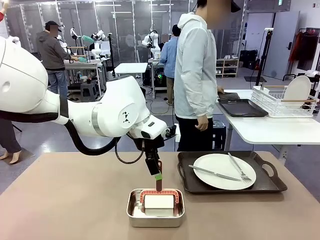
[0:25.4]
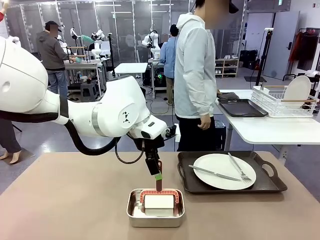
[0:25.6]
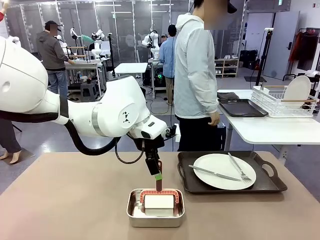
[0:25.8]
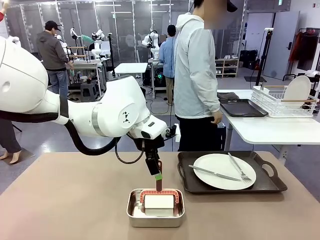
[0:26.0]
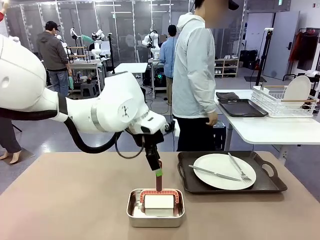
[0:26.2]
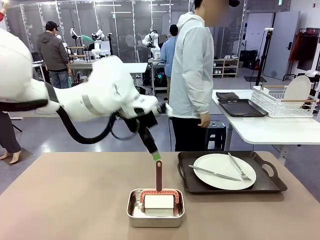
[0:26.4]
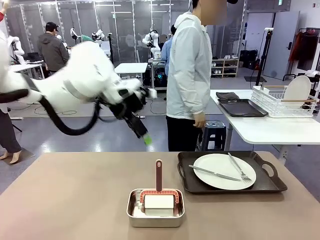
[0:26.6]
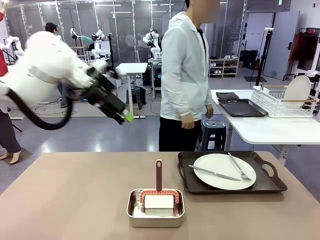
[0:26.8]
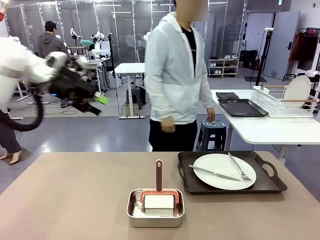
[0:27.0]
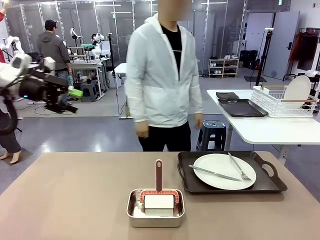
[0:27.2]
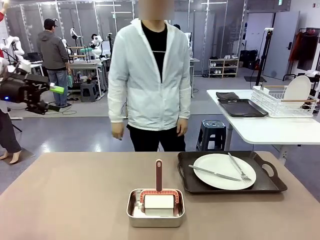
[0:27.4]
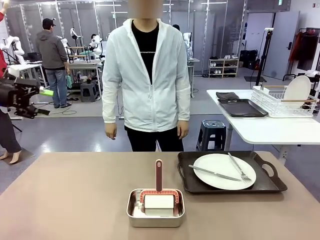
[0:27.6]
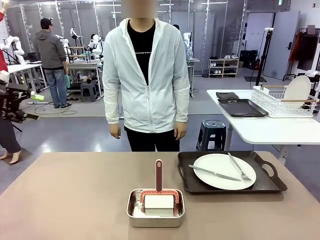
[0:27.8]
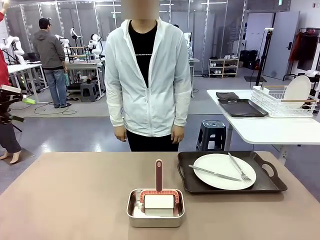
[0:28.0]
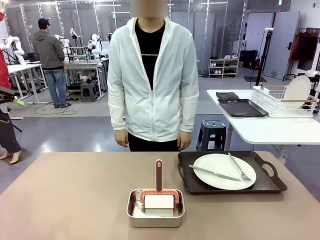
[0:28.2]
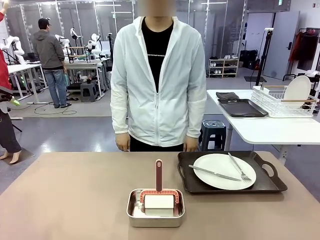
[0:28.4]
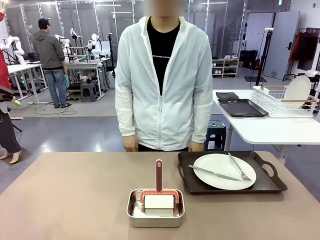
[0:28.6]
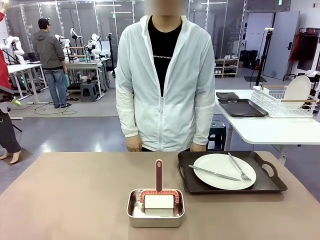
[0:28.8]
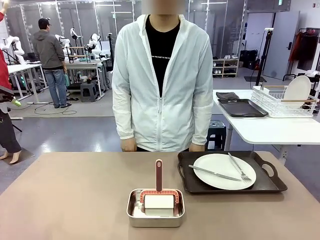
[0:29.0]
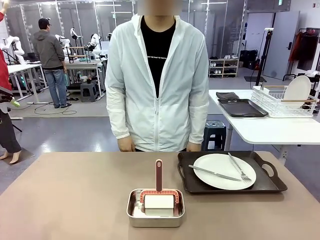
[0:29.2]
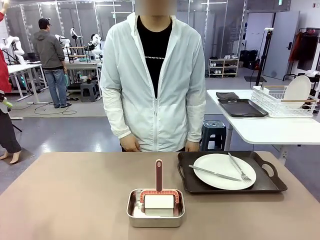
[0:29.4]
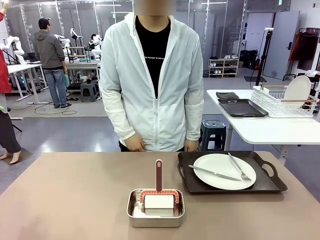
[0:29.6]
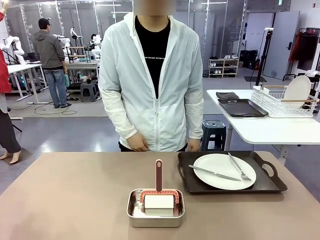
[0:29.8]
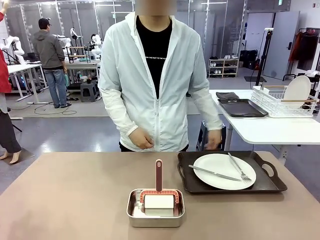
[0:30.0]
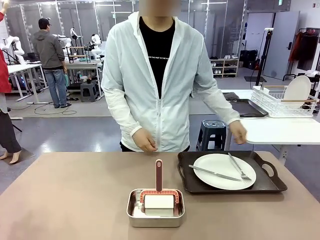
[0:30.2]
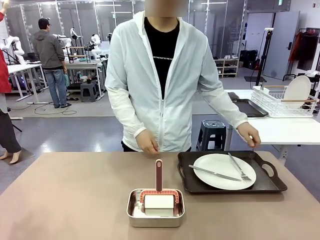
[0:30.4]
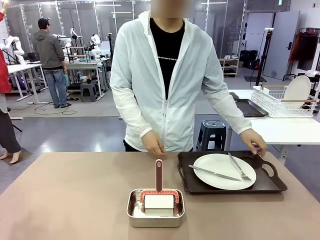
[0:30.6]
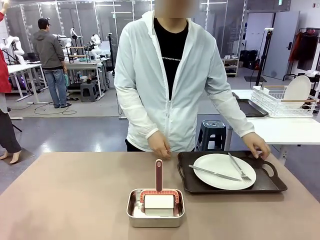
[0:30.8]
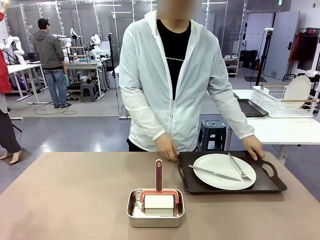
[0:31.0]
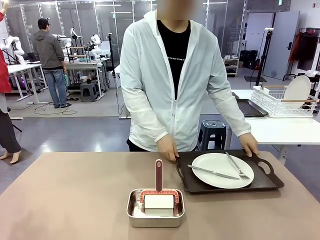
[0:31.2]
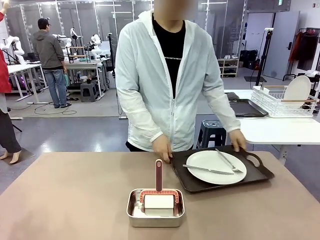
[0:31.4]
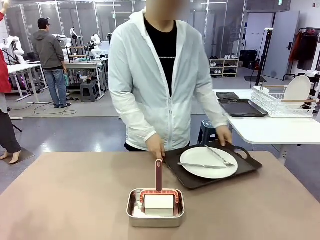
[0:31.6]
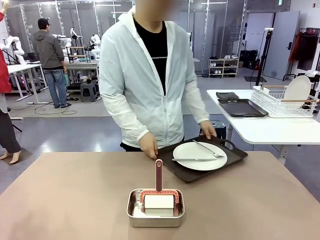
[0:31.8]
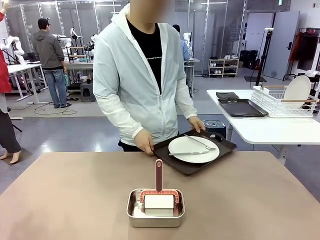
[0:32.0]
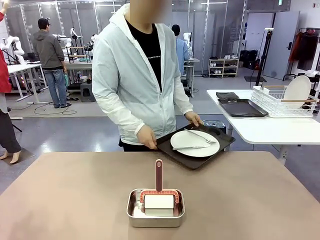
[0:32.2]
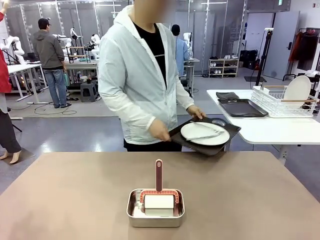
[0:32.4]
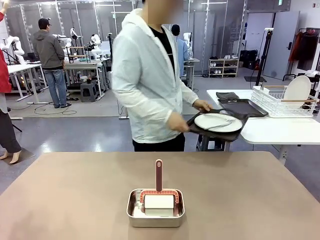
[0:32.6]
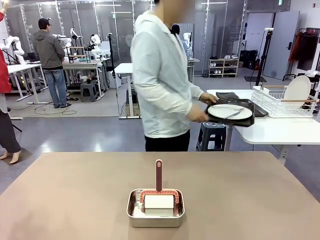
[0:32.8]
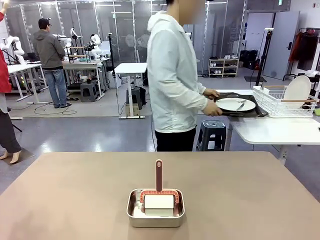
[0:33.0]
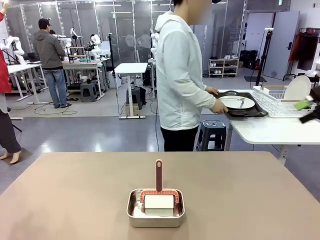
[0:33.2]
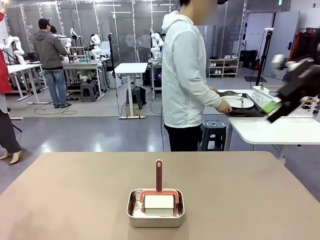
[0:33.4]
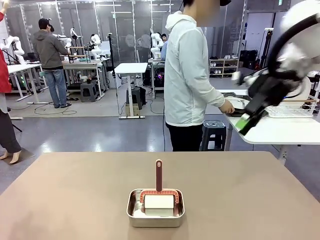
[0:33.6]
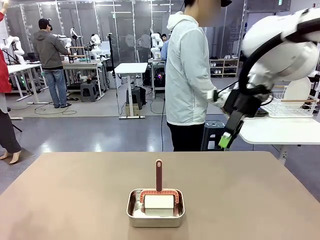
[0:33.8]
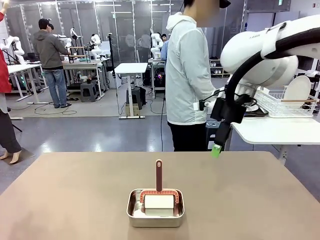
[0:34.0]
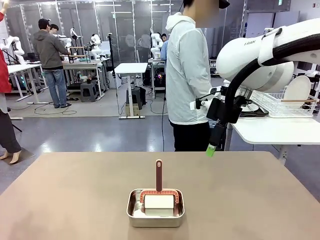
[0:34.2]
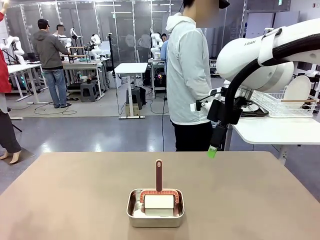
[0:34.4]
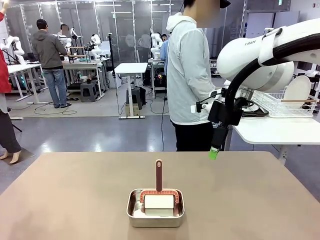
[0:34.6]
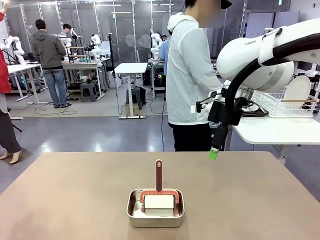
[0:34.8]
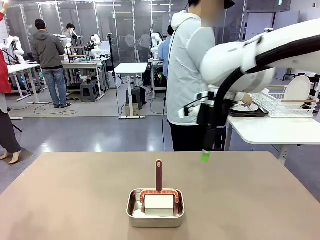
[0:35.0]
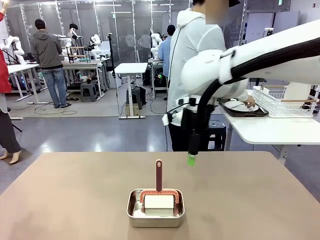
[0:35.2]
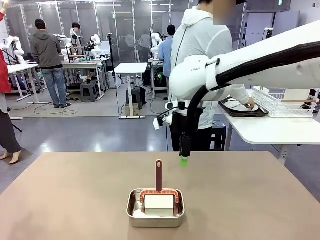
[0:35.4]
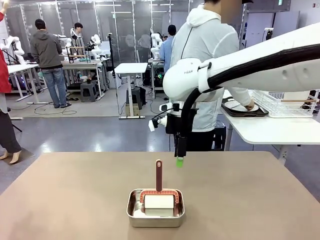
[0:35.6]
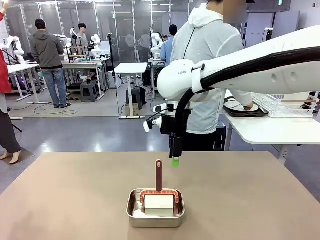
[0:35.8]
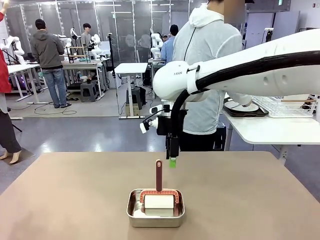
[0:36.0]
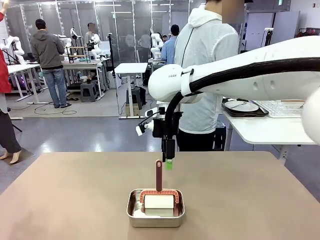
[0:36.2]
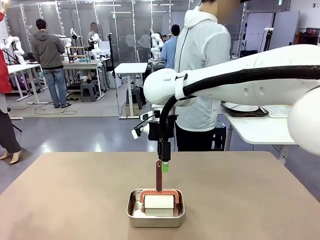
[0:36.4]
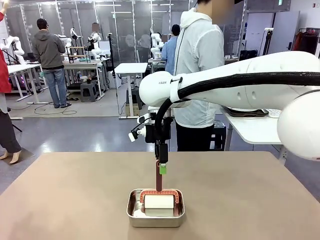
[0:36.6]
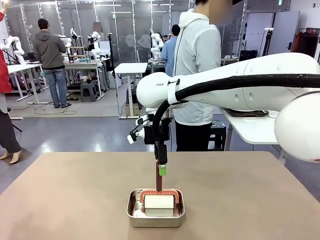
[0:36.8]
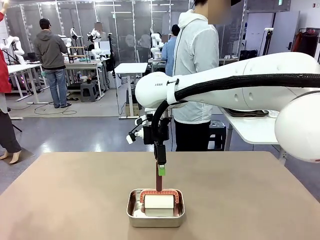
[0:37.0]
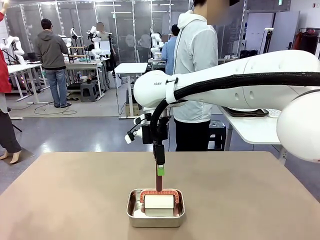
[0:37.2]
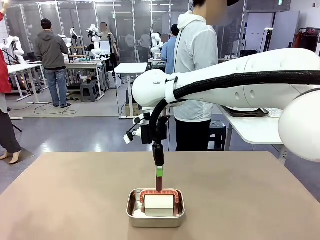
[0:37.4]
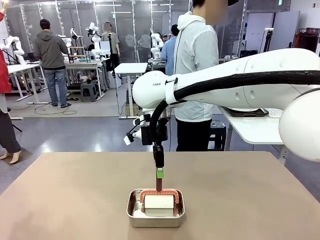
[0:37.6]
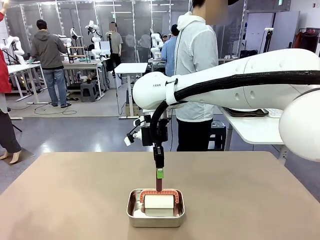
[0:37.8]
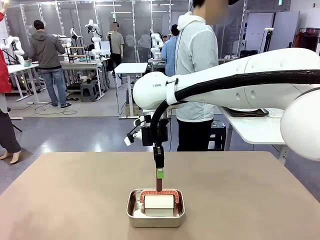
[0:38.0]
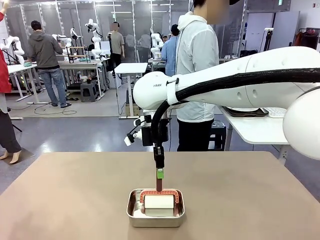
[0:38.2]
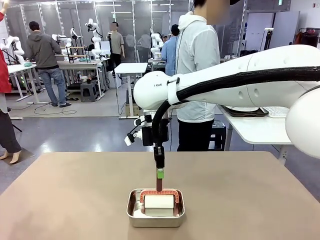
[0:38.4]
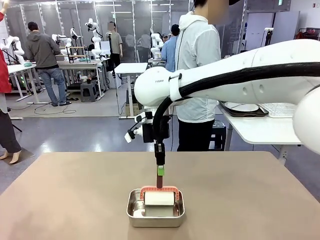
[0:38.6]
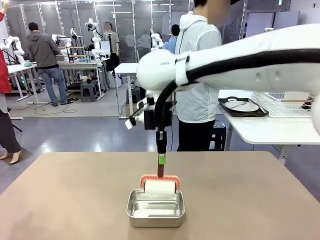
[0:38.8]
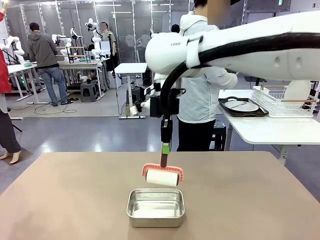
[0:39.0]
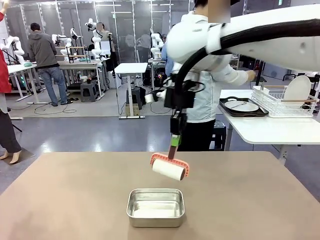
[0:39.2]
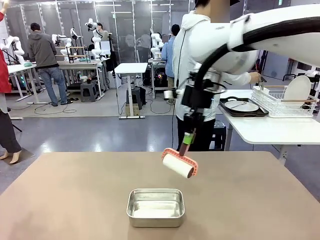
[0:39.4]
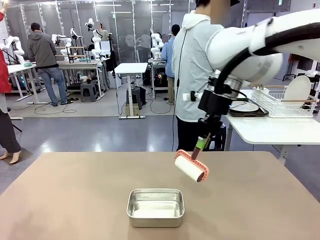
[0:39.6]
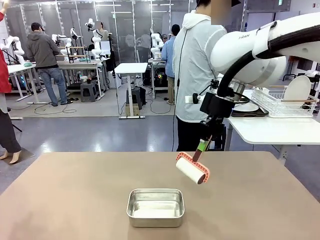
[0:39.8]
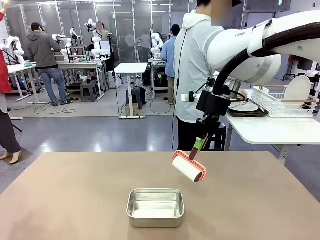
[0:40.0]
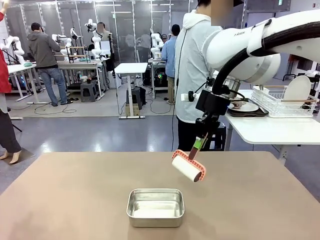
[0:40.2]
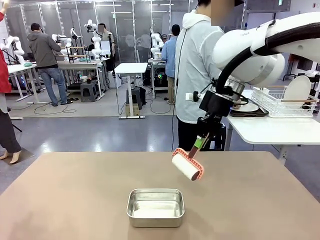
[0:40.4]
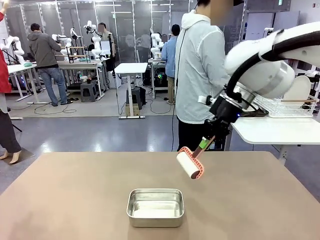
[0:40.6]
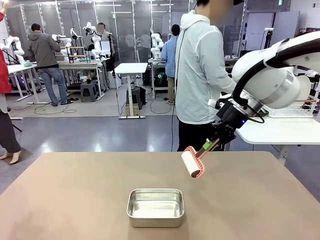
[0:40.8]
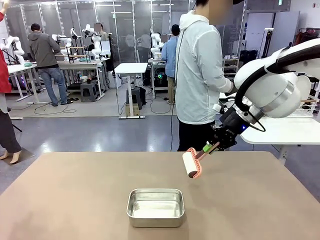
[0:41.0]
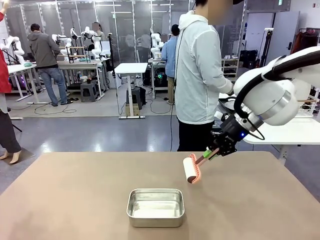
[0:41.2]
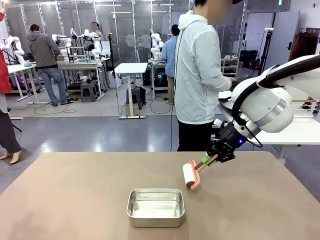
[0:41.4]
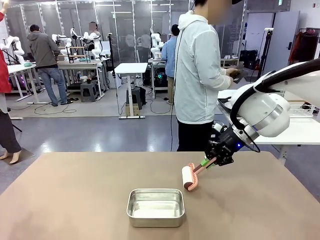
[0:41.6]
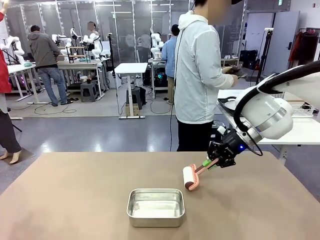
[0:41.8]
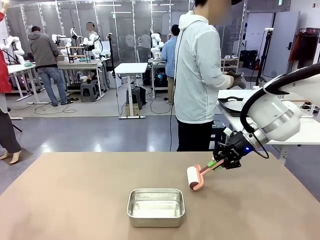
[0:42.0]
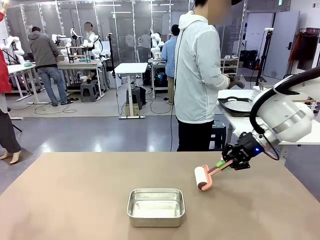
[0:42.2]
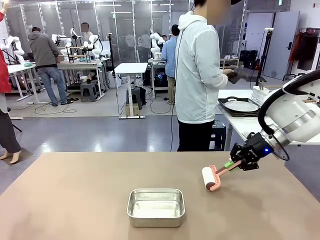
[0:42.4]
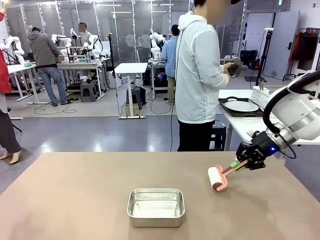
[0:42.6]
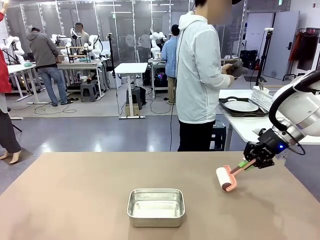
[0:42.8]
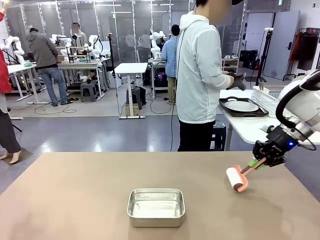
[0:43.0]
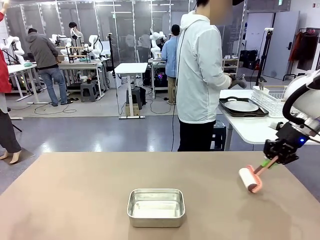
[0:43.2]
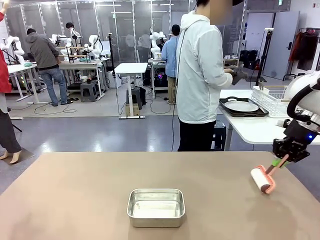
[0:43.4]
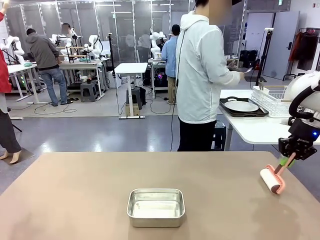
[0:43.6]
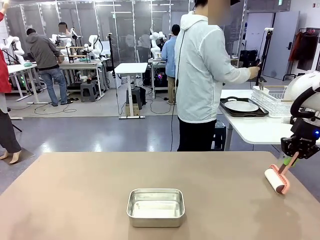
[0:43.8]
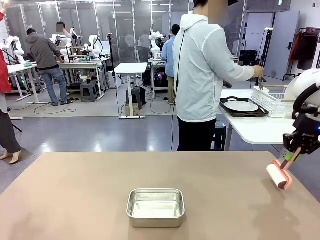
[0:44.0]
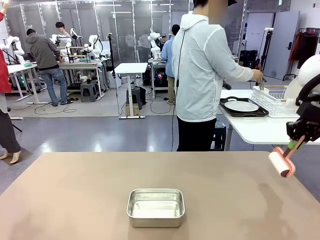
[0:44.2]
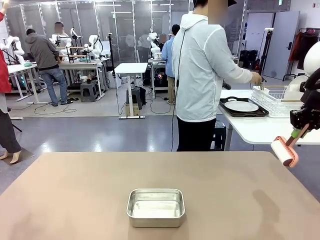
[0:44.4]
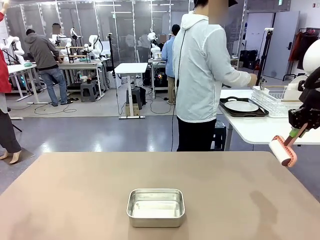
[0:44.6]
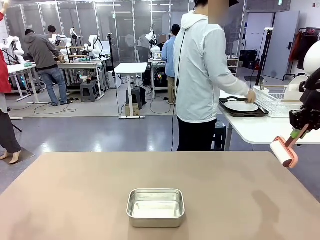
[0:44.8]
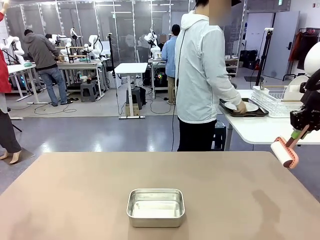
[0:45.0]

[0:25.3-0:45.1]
Robot: When the right (or left) Handle tray is removed, use the right hand (or left hand) to clean the right (or left) side of the table with the Lint Roller.
Person: Pick up the left (or right) Handle tray and place it on the Handle tray.
